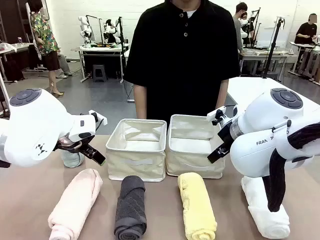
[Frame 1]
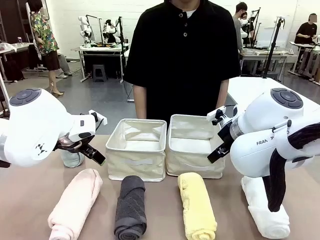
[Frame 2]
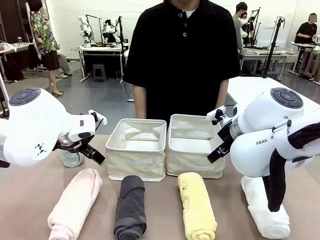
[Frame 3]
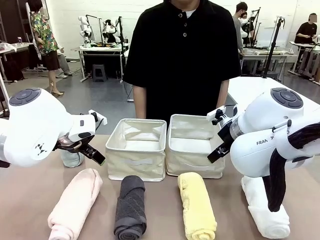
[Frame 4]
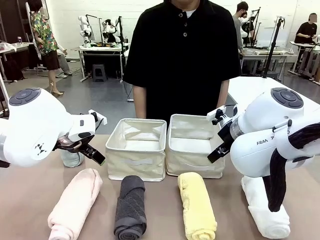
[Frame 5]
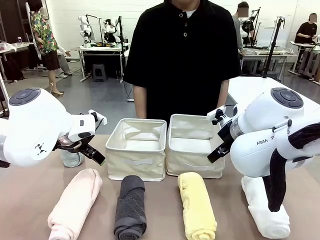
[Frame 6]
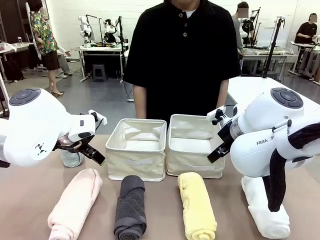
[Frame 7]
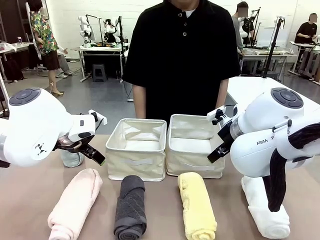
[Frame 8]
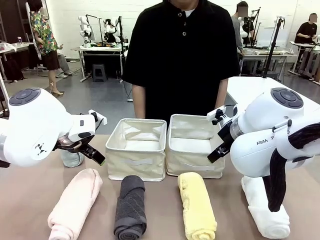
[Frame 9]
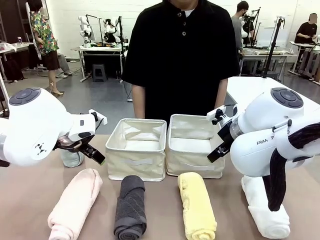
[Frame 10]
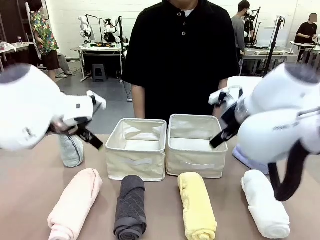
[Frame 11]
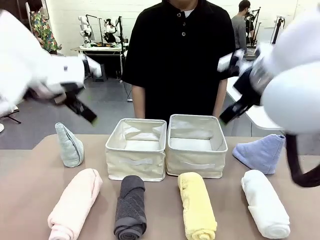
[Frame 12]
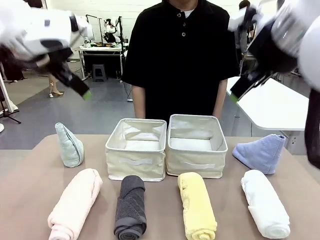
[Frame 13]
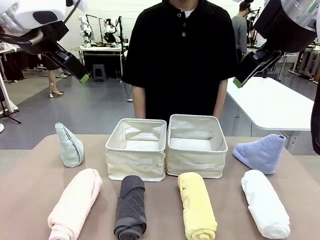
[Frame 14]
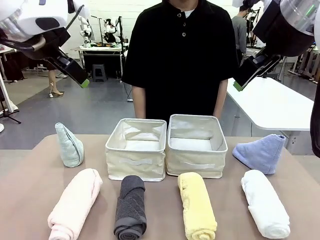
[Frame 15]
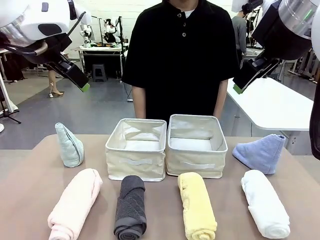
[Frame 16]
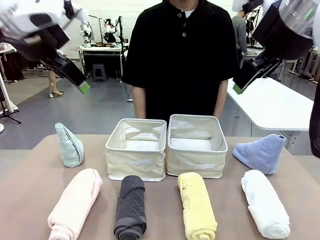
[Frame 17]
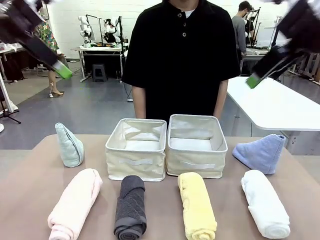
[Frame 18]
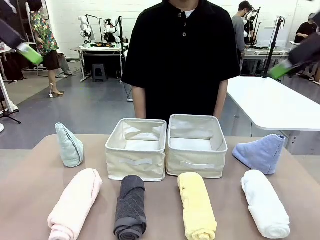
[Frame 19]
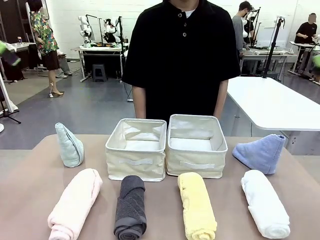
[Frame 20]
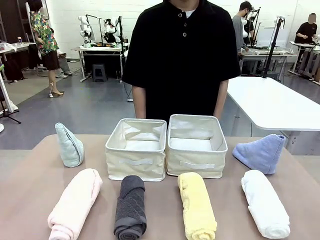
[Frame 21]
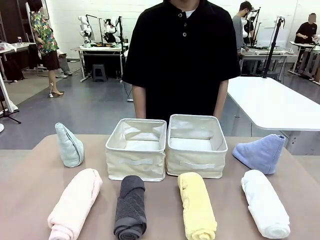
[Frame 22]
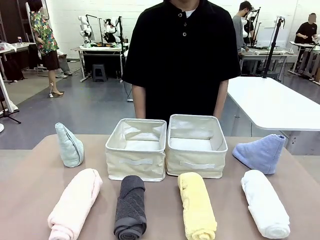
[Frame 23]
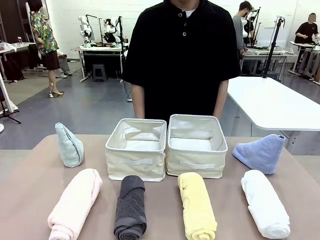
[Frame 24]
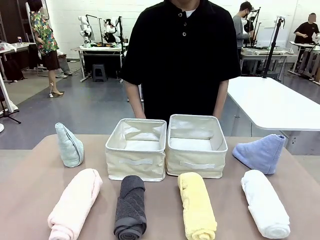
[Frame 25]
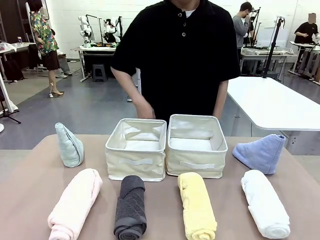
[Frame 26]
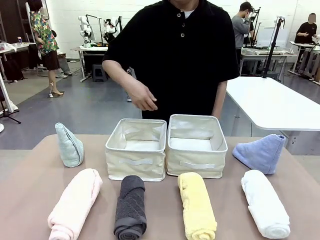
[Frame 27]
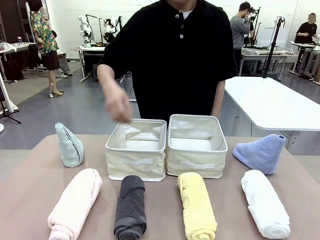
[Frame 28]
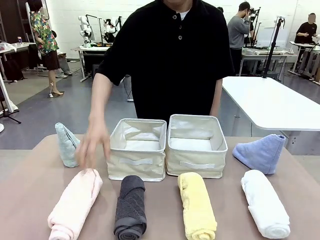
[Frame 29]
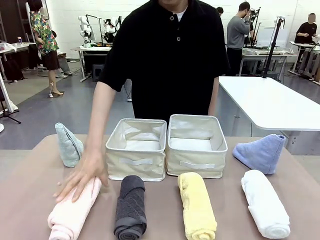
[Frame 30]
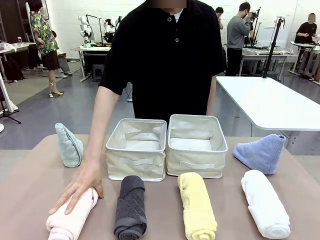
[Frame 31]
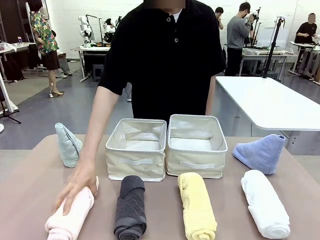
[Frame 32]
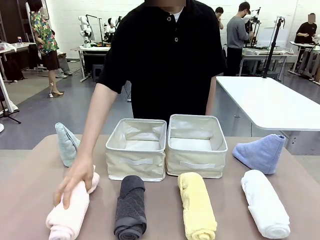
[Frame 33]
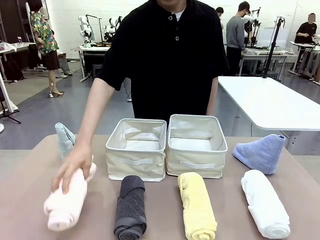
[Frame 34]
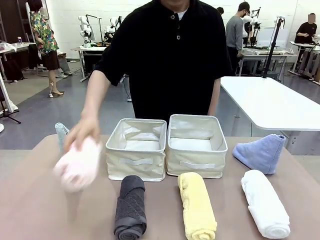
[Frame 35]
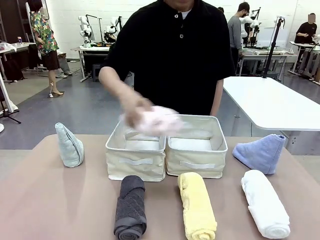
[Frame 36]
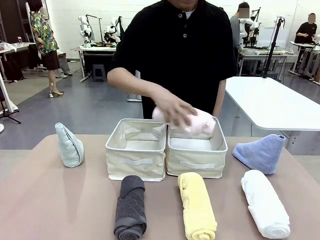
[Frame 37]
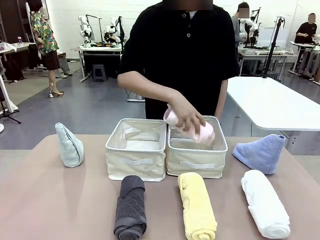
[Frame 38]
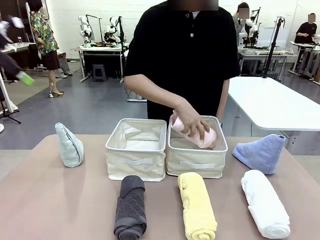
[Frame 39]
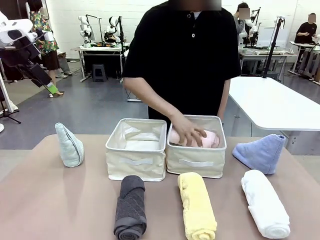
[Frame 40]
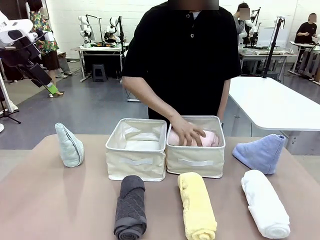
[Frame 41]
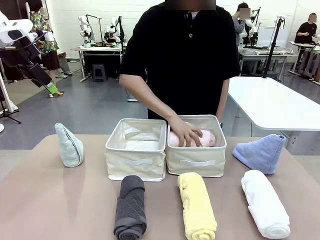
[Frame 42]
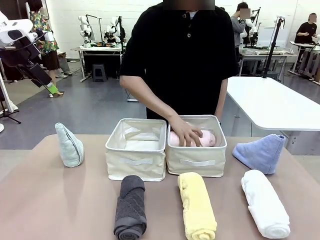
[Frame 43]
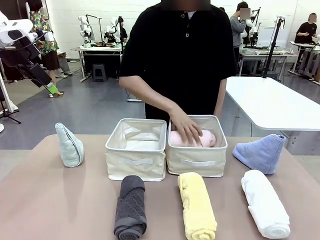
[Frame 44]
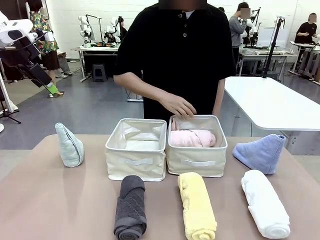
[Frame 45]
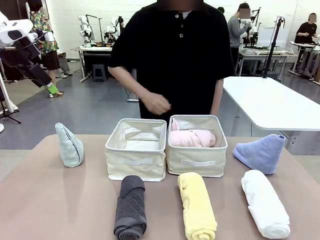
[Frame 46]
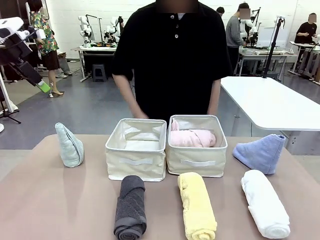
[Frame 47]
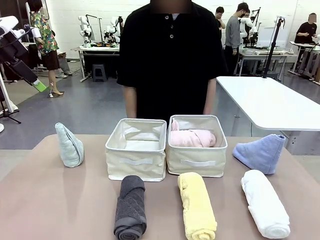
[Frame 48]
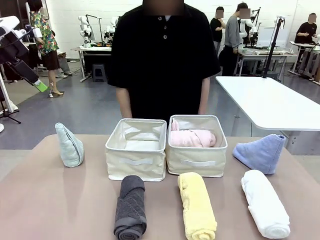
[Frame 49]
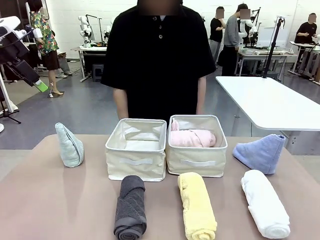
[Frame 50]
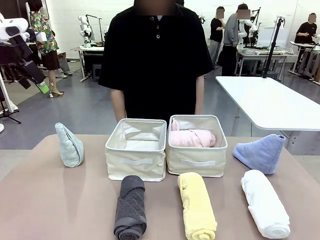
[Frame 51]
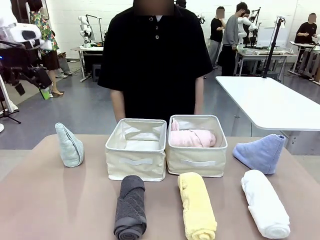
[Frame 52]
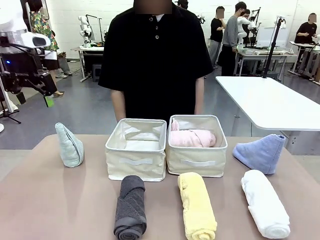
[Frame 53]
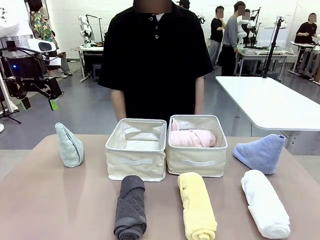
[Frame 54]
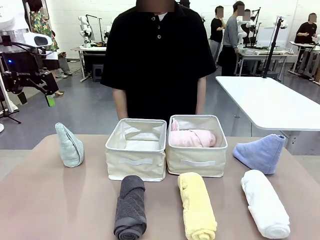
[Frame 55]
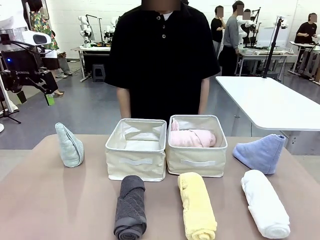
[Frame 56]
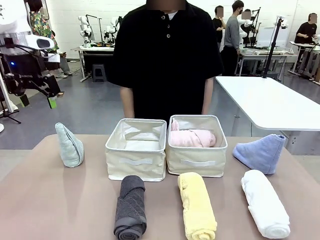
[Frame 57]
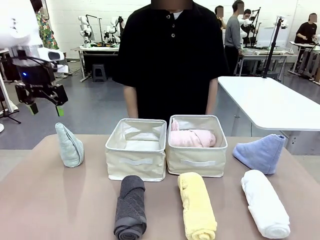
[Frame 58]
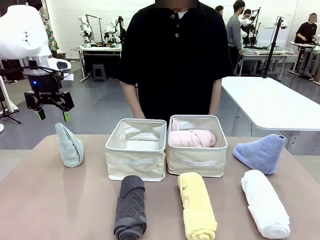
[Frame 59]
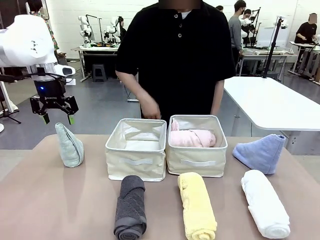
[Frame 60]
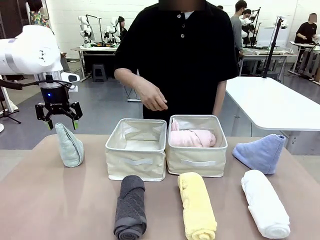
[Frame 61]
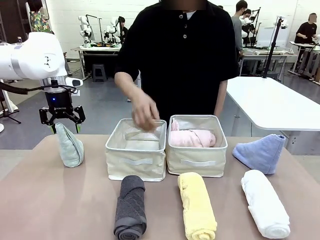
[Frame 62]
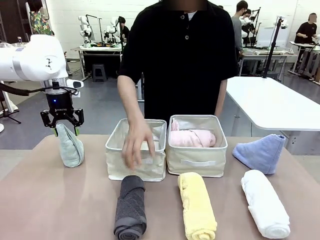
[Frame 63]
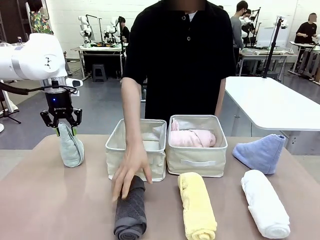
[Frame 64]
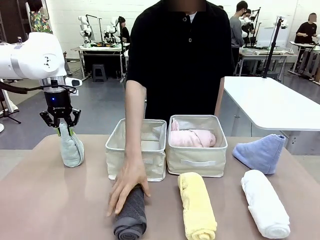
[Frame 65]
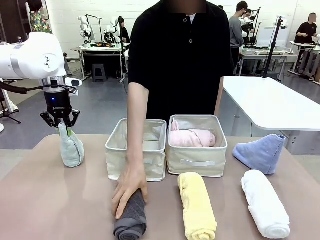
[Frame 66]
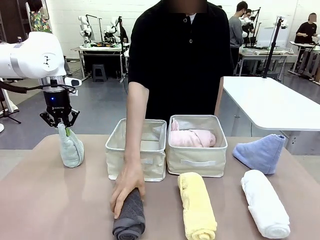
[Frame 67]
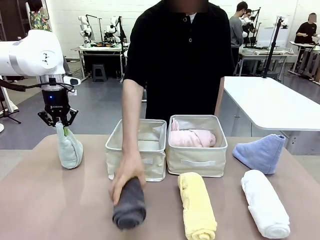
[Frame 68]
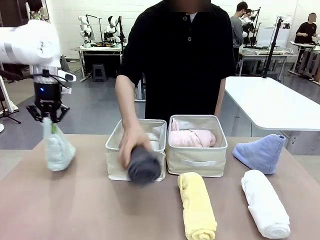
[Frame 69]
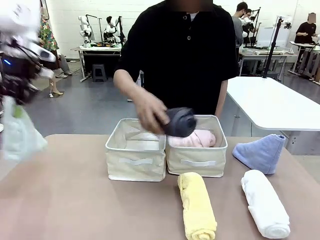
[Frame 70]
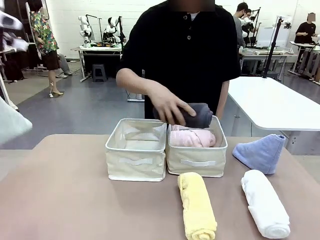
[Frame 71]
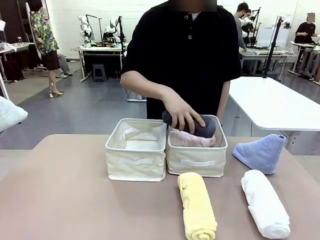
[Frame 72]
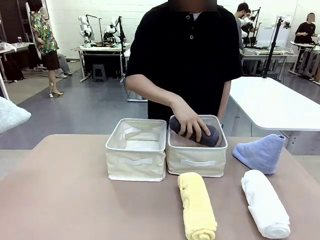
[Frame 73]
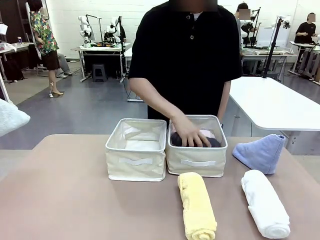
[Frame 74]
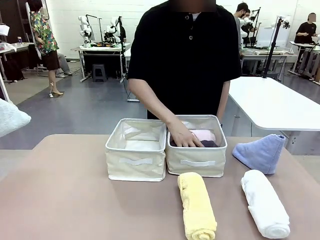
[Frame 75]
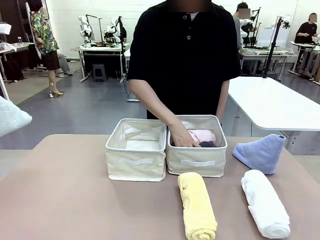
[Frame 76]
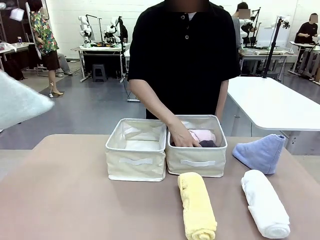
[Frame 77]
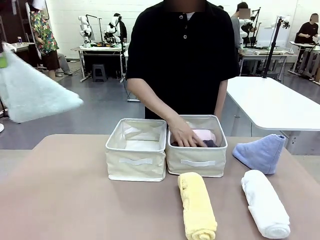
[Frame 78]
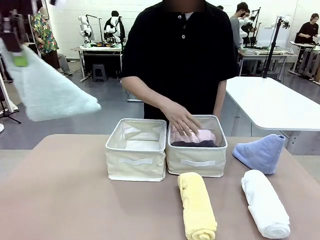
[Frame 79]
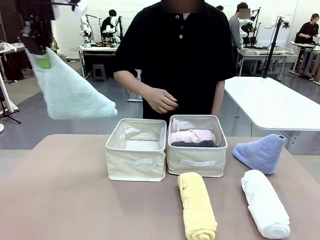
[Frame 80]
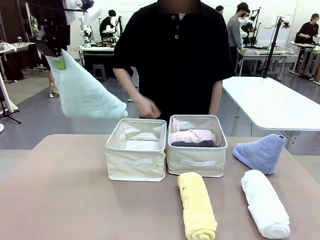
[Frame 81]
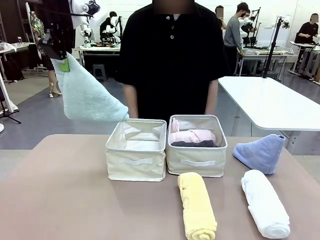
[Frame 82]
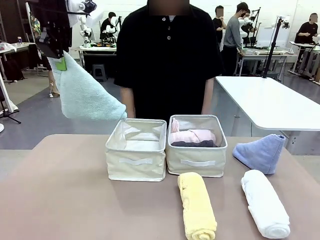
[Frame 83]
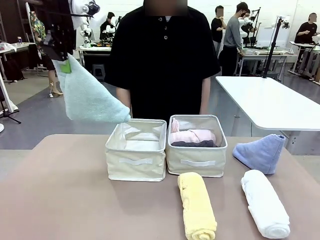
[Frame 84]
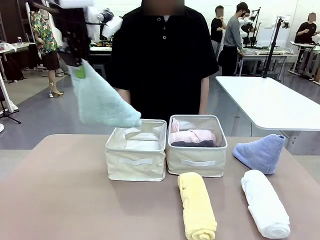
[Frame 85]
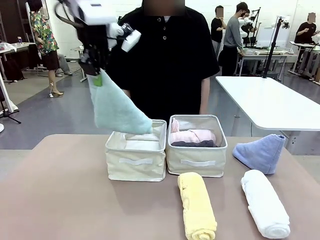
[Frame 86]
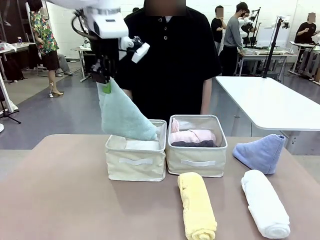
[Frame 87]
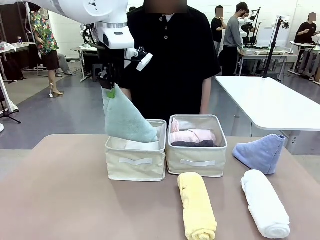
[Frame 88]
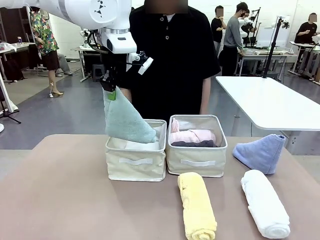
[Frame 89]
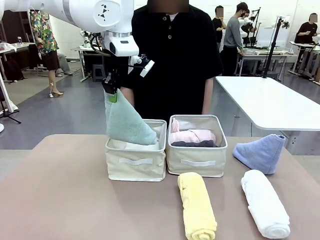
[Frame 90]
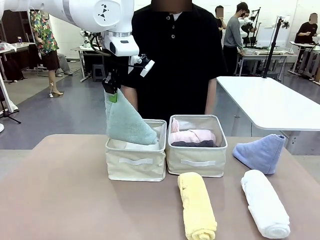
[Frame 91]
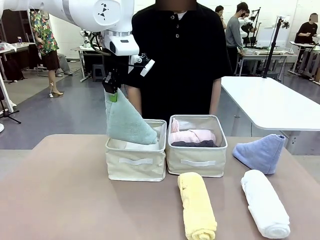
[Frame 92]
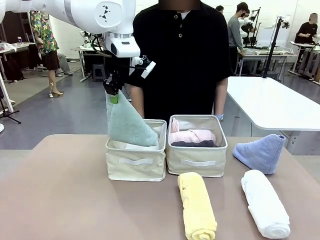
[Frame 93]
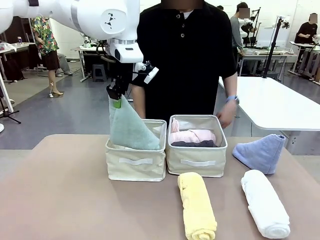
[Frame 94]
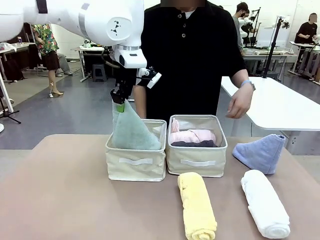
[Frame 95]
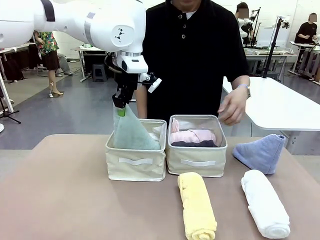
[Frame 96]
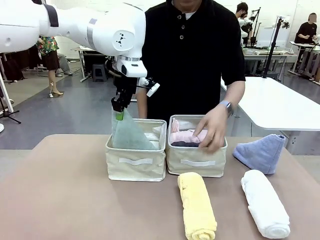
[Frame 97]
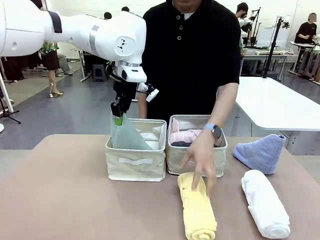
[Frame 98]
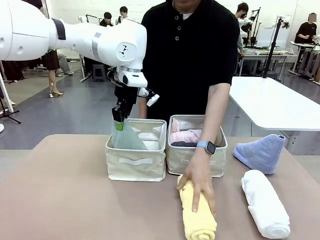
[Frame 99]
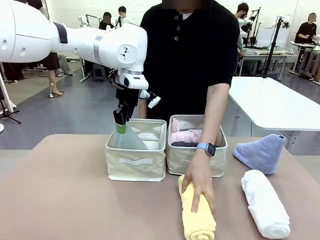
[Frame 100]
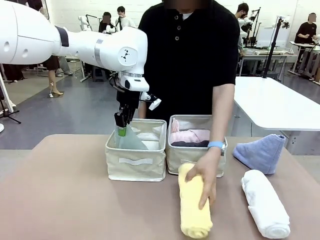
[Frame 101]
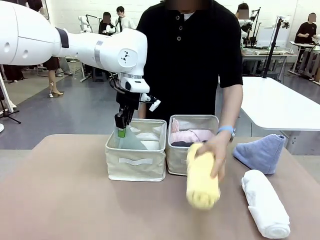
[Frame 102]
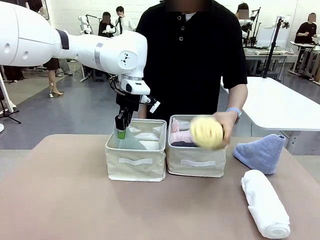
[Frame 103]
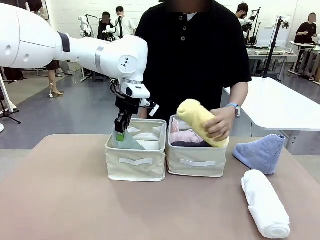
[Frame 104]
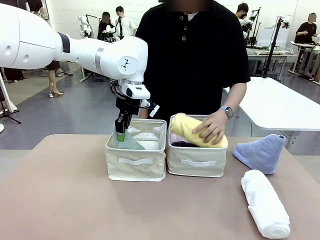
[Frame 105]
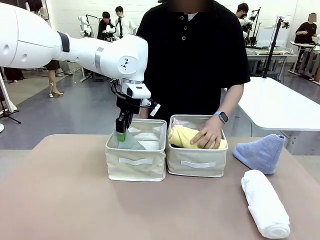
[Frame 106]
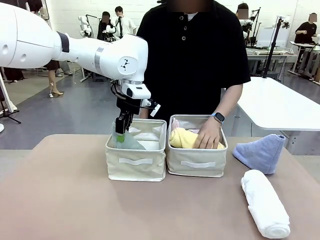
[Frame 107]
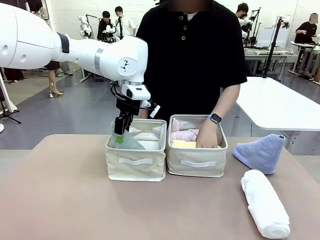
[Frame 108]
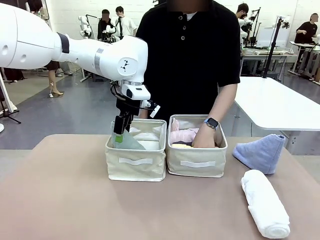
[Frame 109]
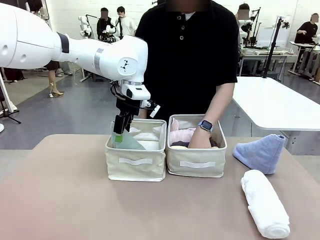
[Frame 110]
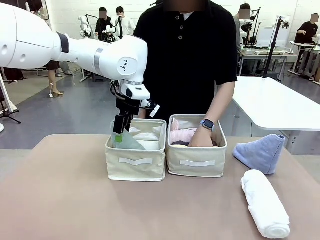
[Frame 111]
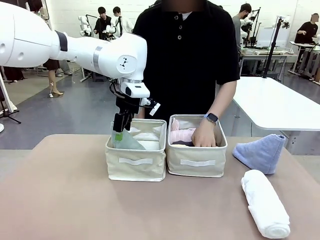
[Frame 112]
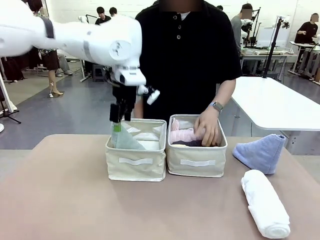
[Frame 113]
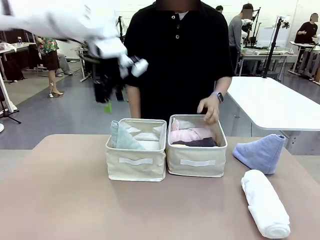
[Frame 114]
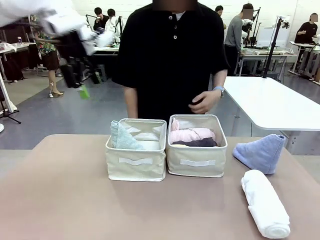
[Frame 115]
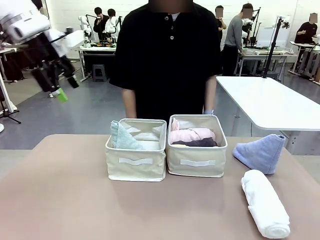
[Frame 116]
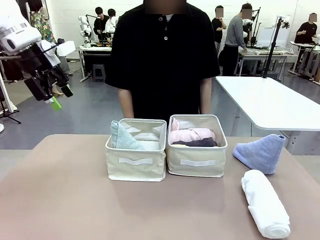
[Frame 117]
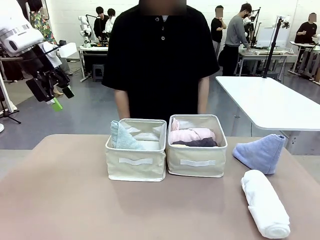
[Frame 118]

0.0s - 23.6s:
Task: Sort the towels based on their folding style.
Robot: Pick up one triangle-folded towel and place it in the left Fabric basket.
Person: Pick up one hotel-style rolled towel and place it in the left fabric basket.
